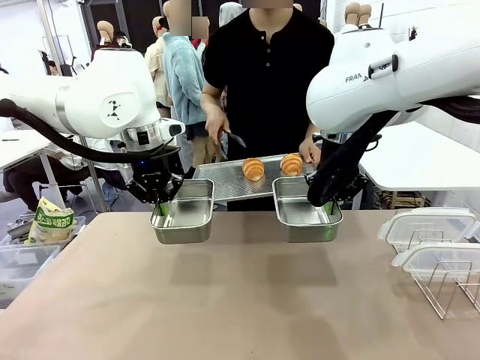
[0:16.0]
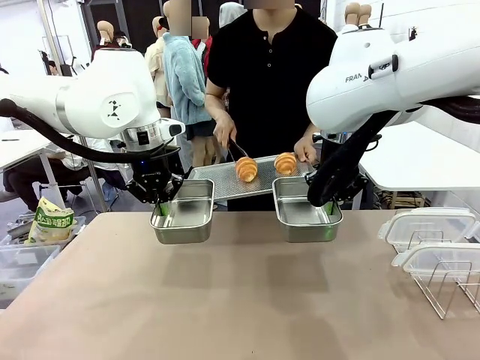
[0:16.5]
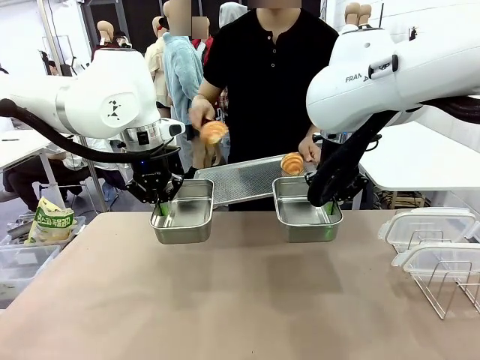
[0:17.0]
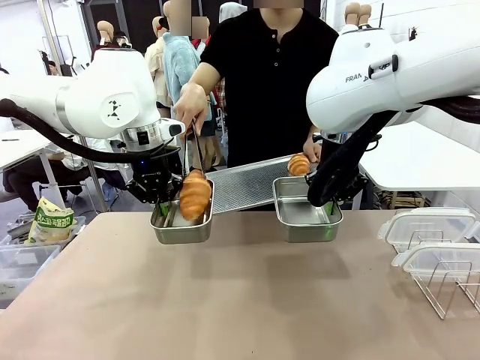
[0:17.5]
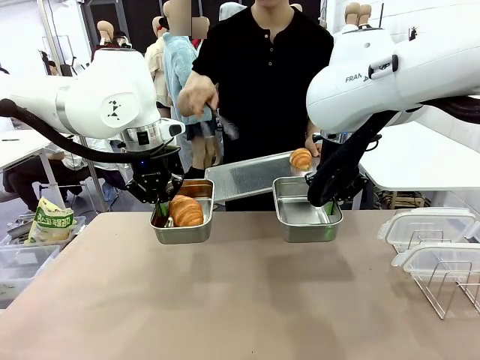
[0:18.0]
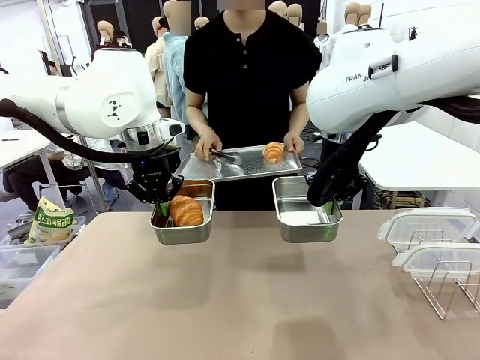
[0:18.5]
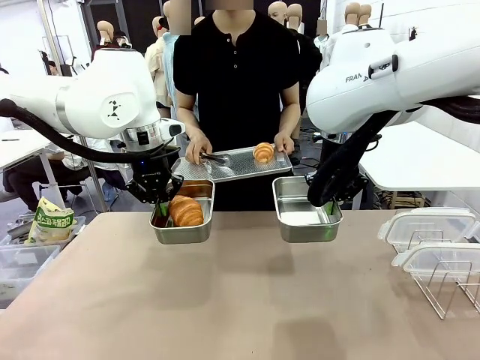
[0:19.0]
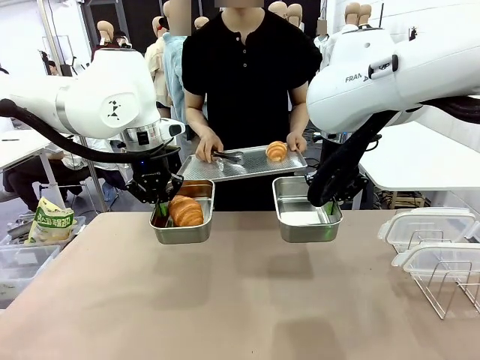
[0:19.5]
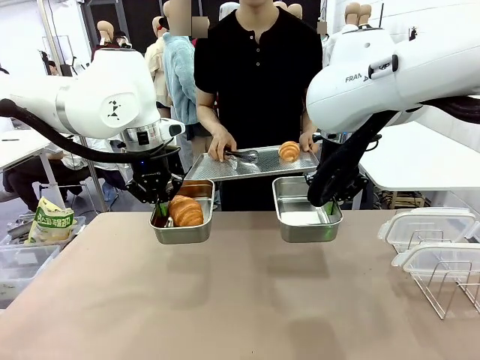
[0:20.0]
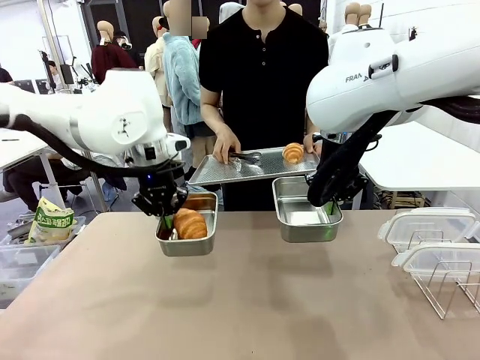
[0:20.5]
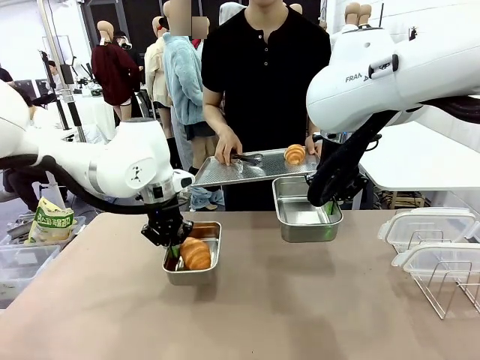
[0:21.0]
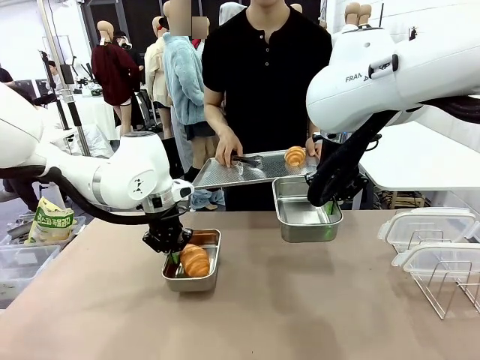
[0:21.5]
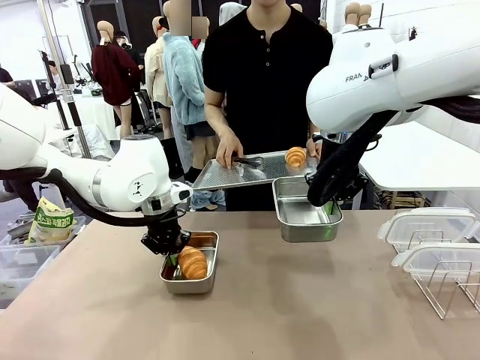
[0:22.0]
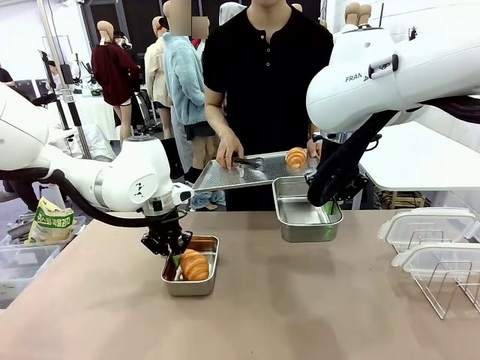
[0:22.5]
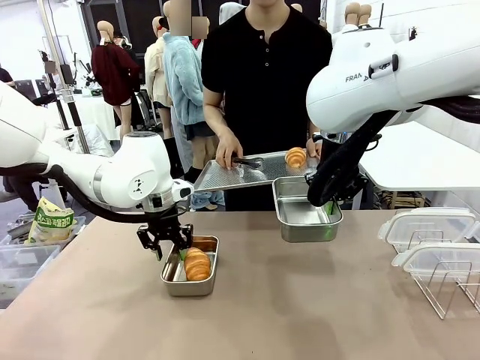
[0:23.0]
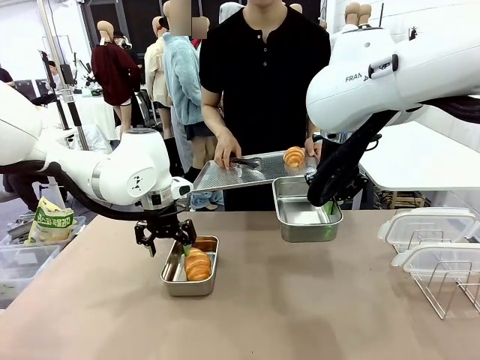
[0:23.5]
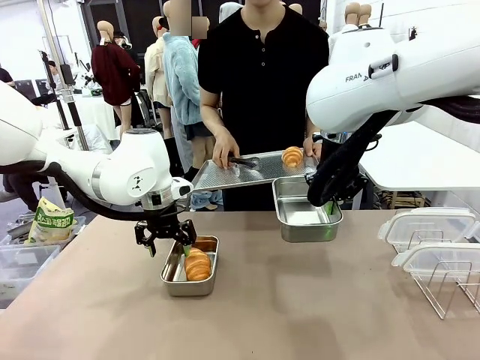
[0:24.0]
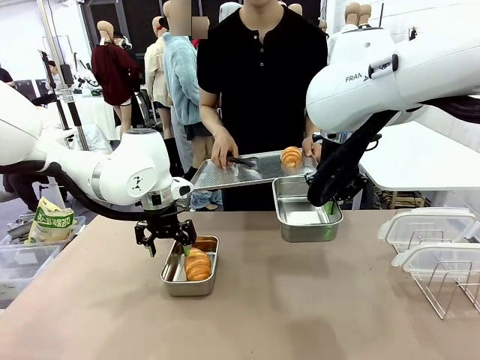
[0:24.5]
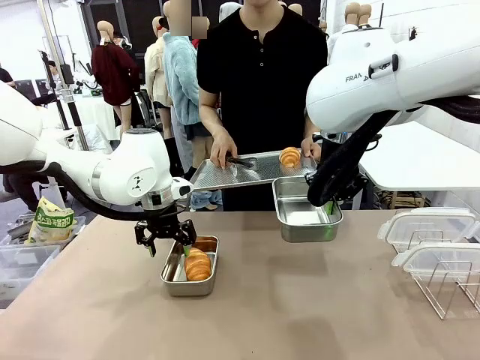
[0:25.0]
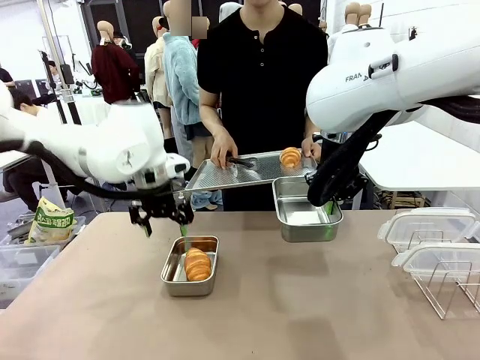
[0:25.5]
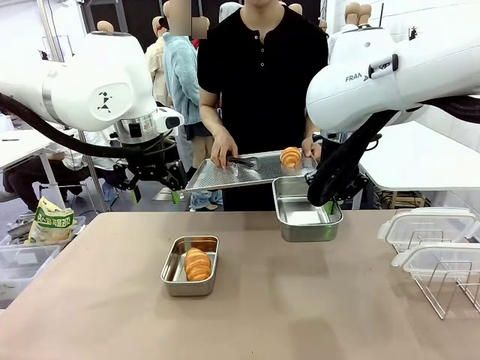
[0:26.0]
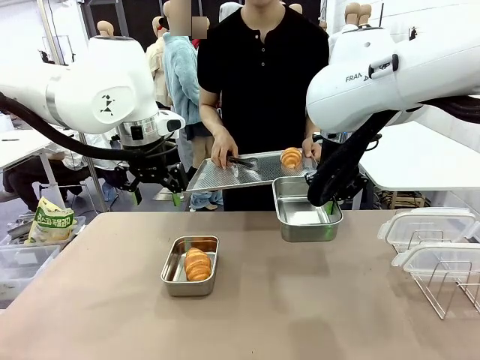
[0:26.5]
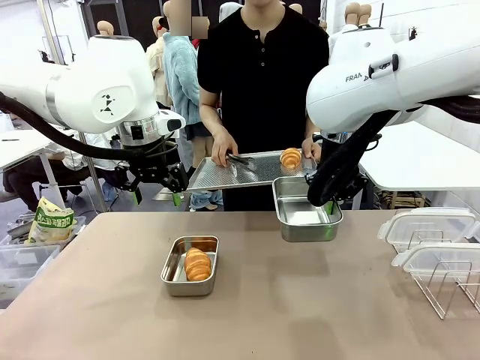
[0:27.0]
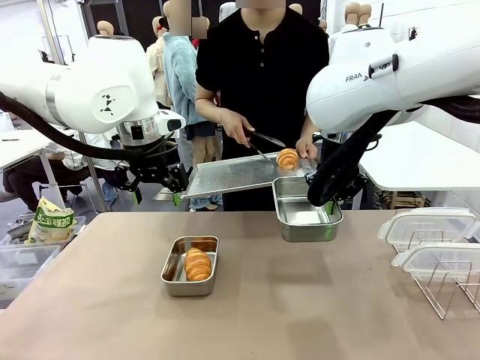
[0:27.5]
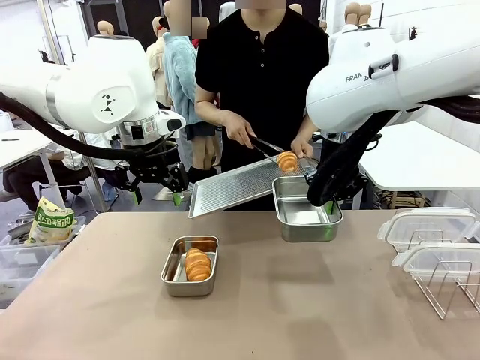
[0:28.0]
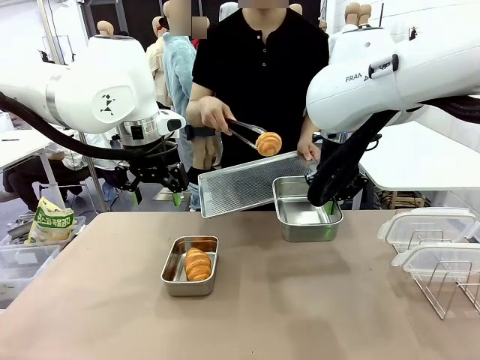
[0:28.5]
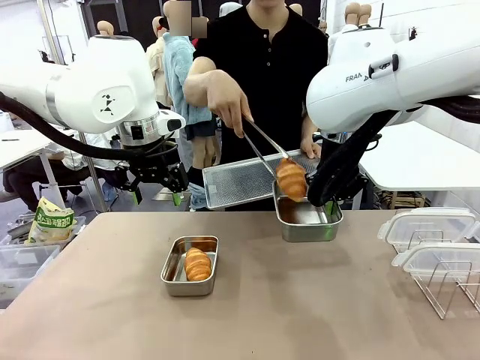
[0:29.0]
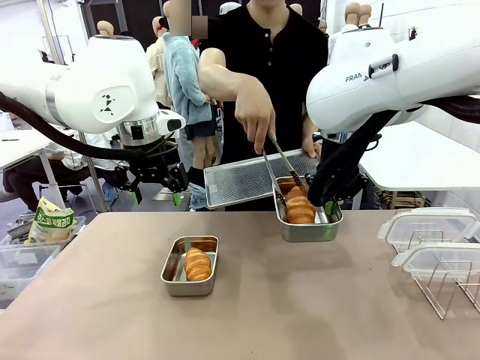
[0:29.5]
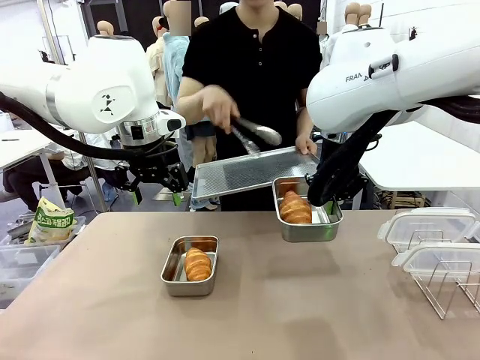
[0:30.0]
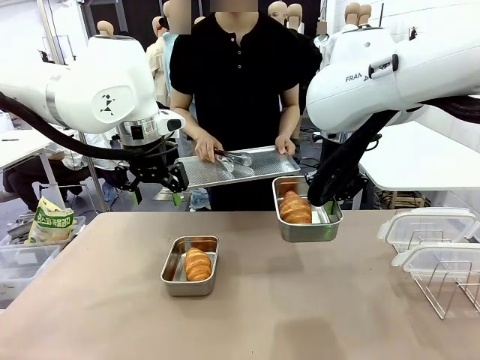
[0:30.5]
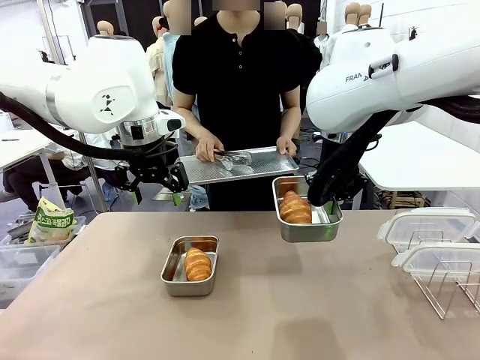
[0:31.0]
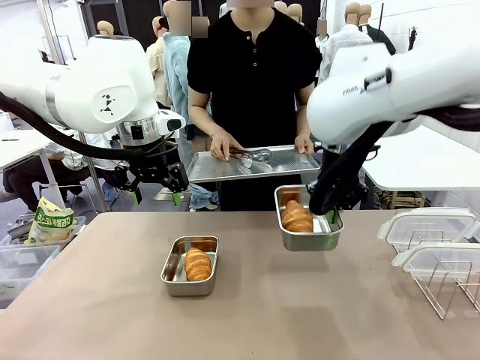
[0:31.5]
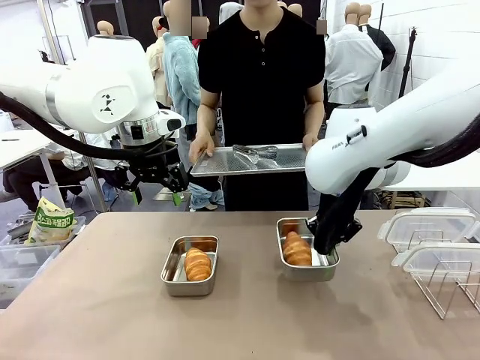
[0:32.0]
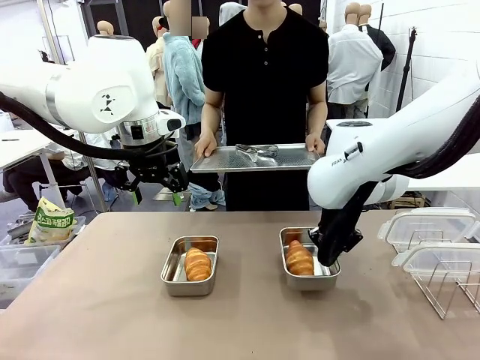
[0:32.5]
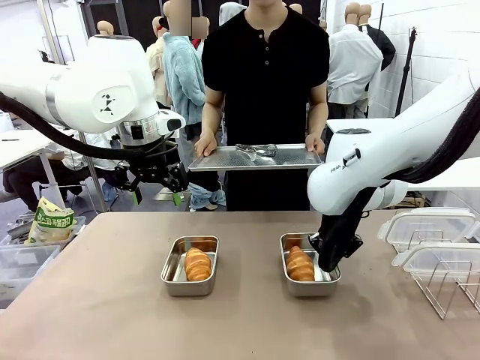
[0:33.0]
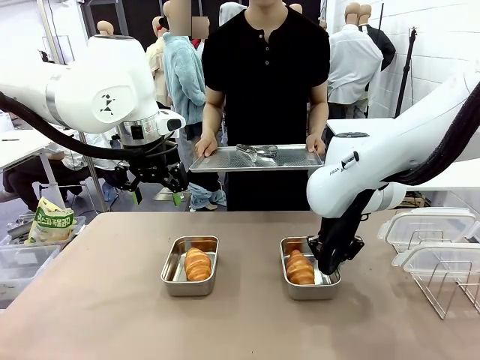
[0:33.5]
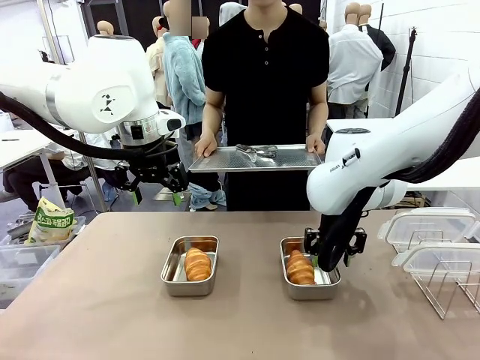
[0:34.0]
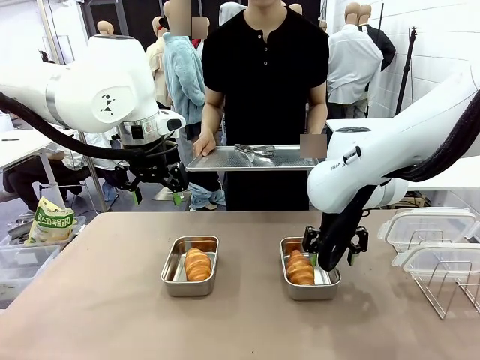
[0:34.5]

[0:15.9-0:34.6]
Task: Place the bread in airtight containers.
Robot: Once an object is inside an Airtight Container , place the container in the center of the table.
Person: Use the Stainless steel tongs to place one object from Baking Sheet into one Airtight Container. Place Baking Sheet on the Human's Table.

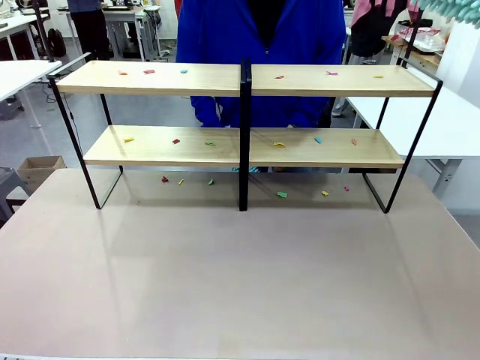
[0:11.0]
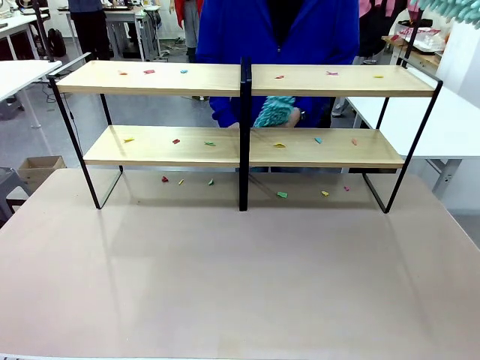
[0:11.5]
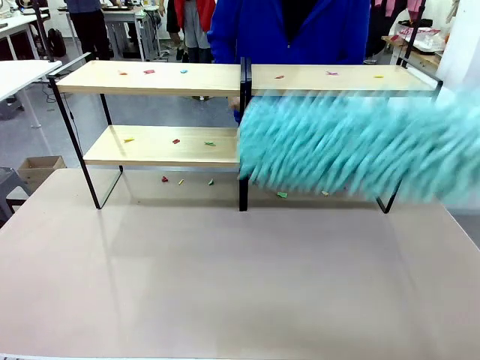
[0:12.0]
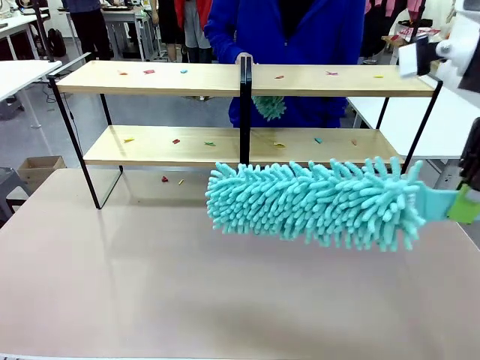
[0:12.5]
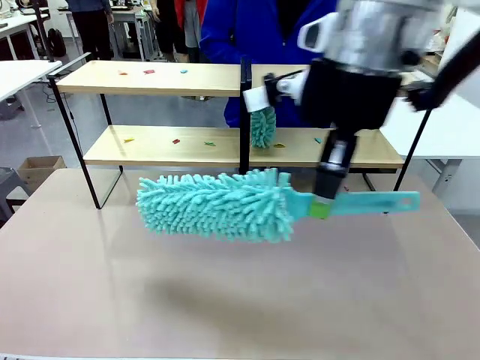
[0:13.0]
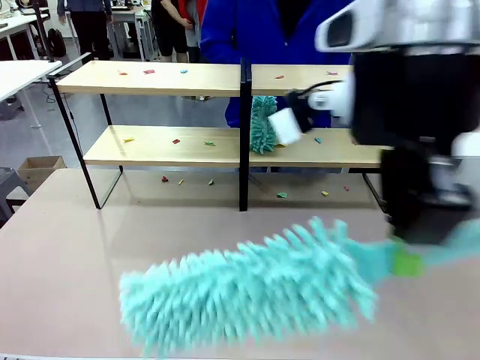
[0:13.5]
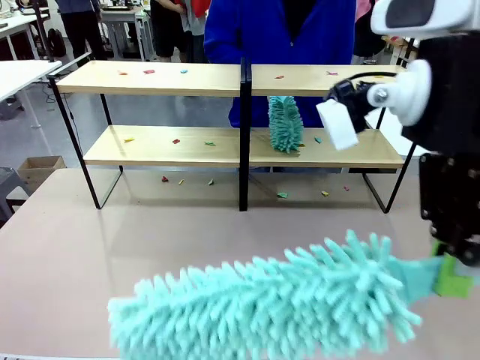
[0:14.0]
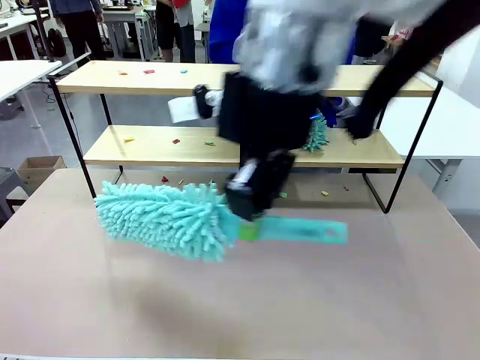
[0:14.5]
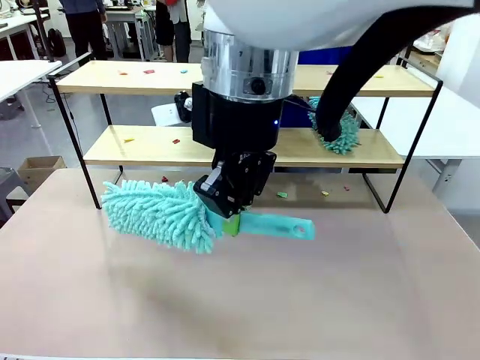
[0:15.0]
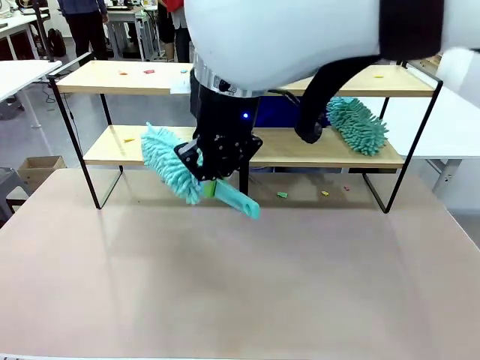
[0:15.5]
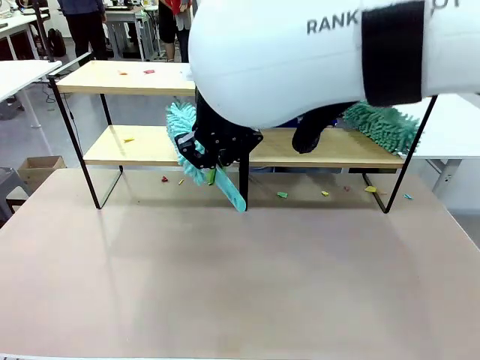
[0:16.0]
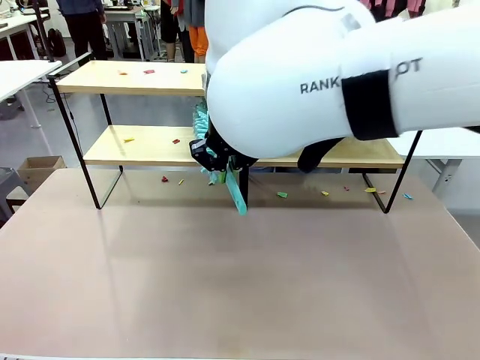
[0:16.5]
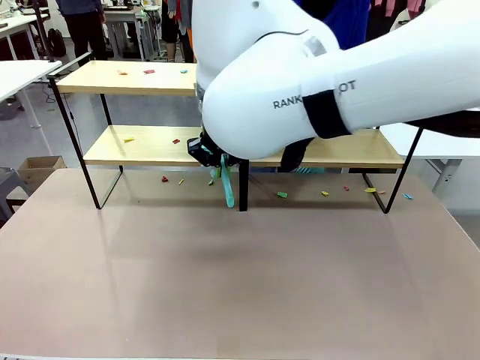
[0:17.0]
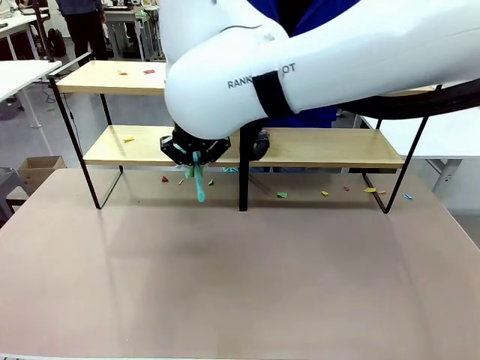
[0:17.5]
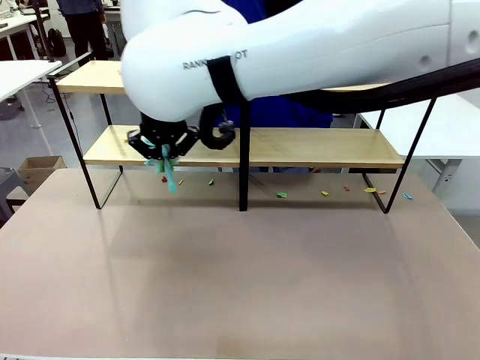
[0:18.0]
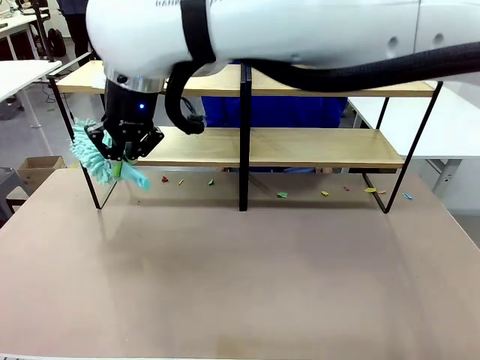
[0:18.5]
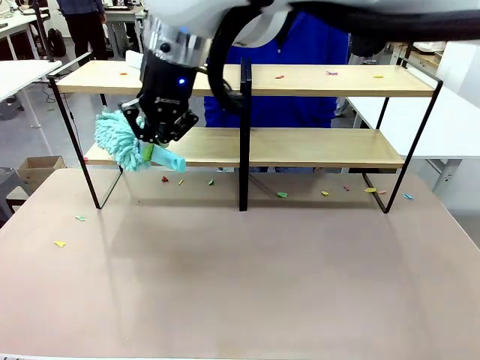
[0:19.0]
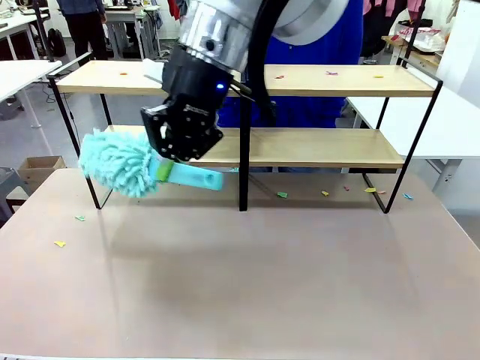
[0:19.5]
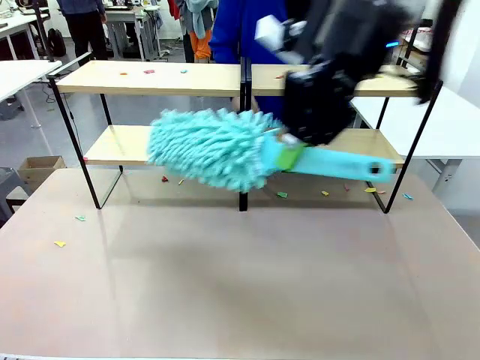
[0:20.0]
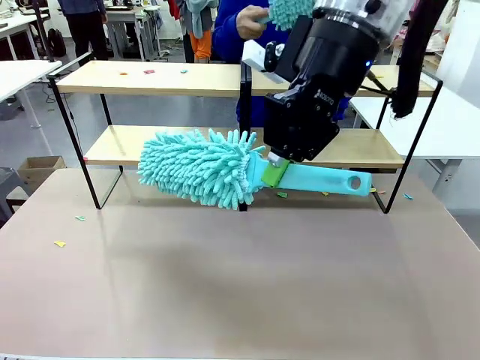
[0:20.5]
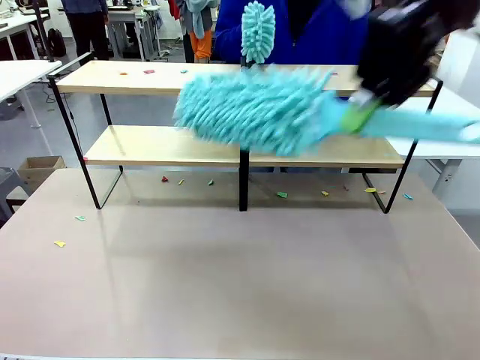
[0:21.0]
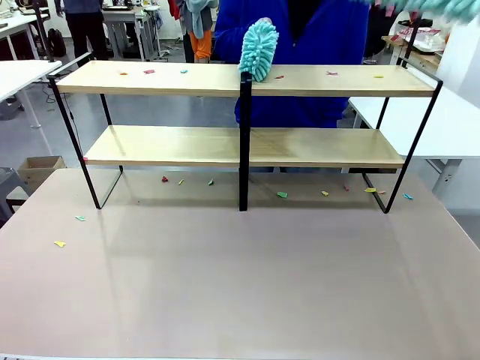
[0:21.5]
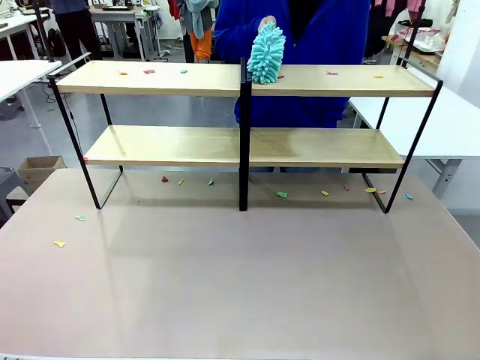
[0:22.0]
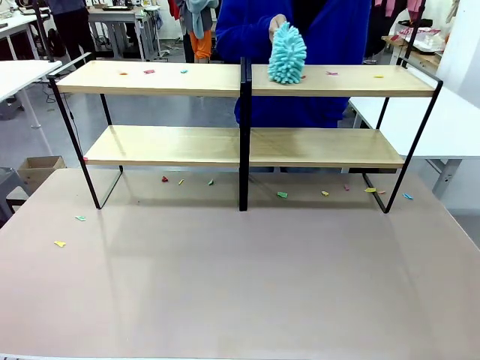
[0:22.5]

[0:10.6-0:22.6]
Task: Clean the shelves.
Robot: Clean a randomly selected level of the Shelf with the Duster.
